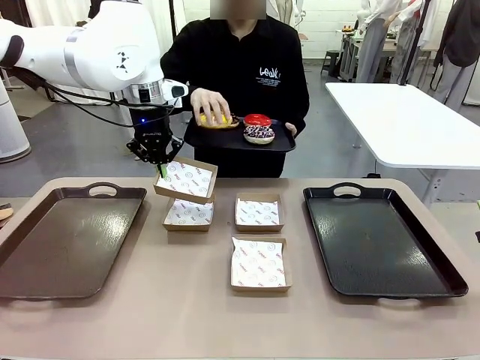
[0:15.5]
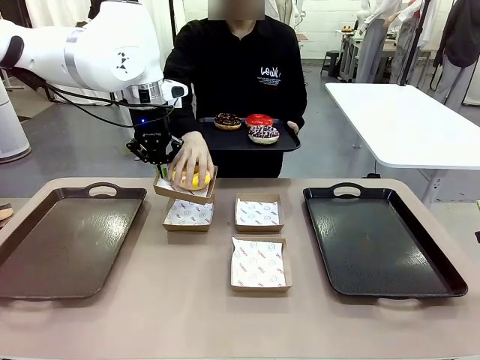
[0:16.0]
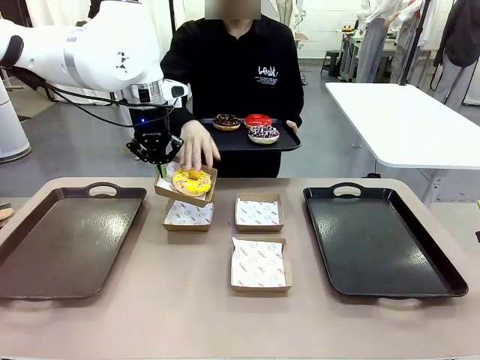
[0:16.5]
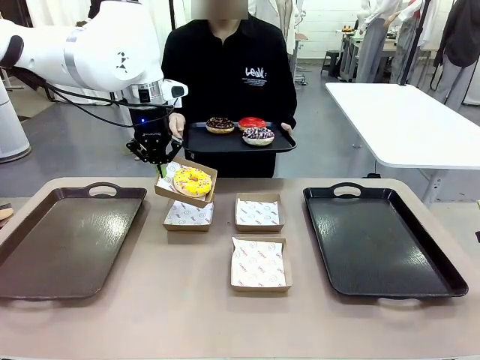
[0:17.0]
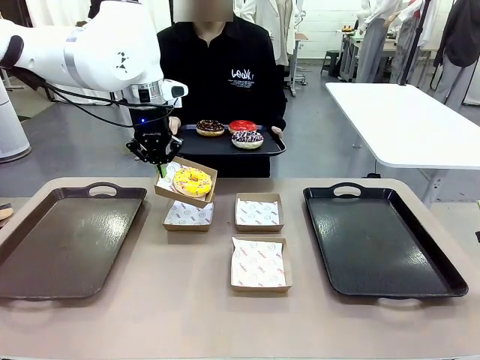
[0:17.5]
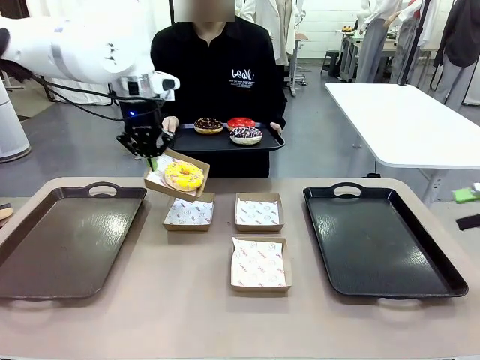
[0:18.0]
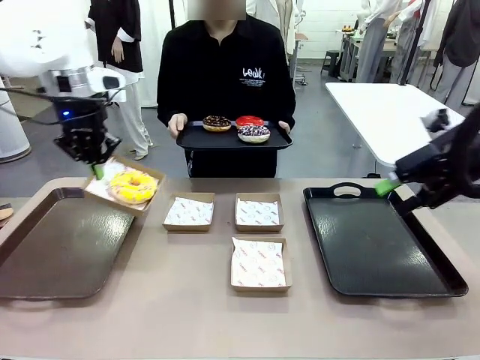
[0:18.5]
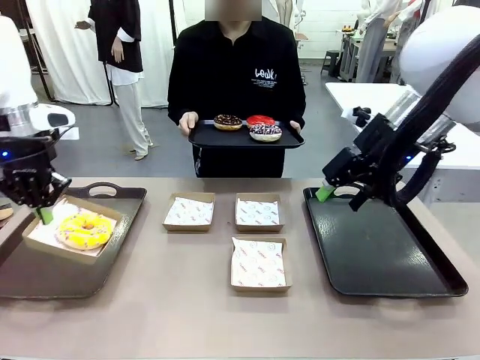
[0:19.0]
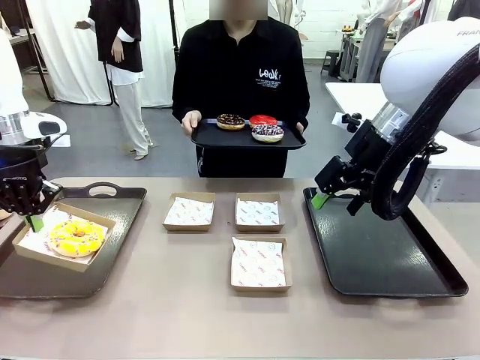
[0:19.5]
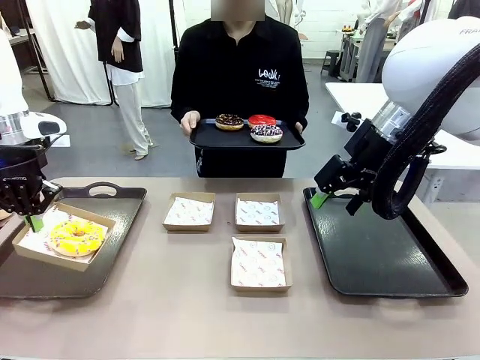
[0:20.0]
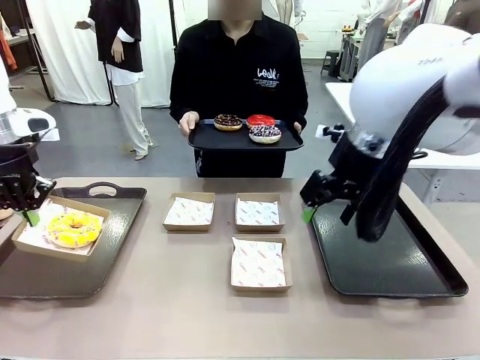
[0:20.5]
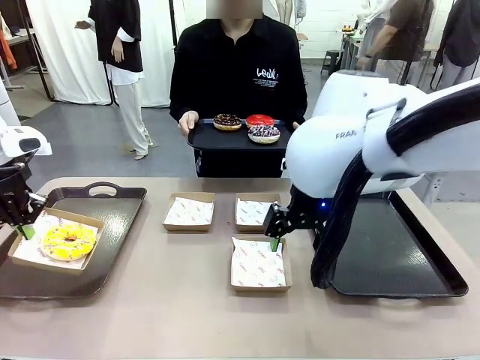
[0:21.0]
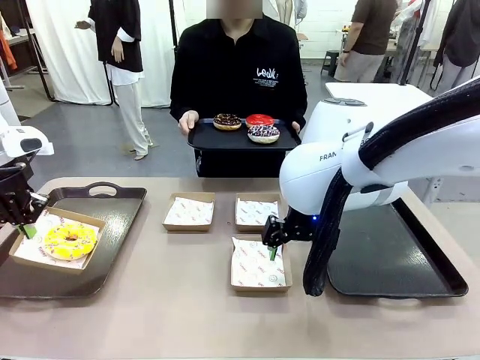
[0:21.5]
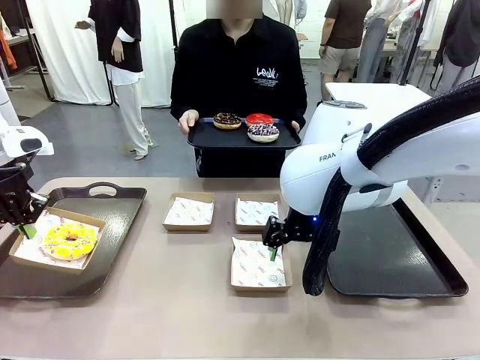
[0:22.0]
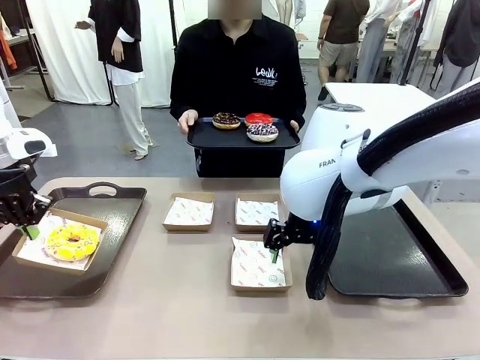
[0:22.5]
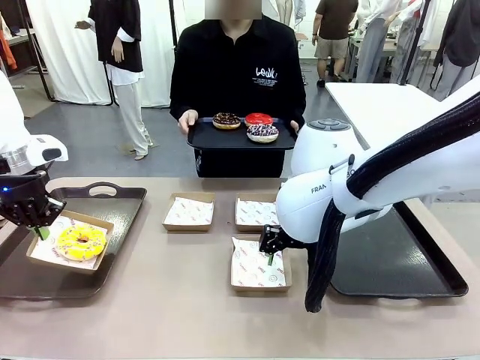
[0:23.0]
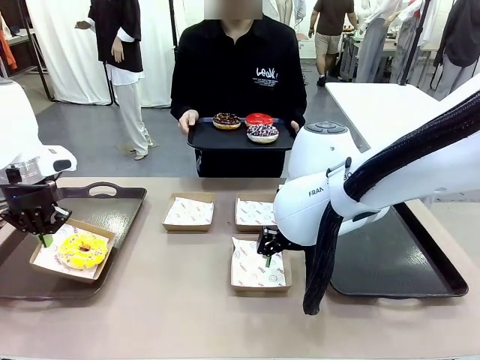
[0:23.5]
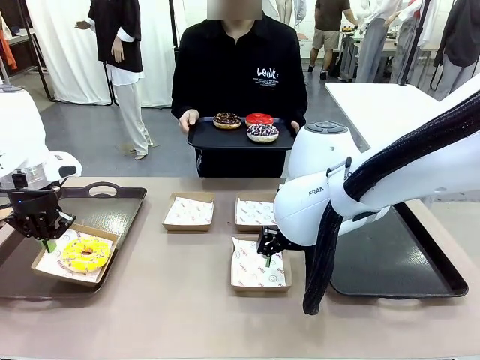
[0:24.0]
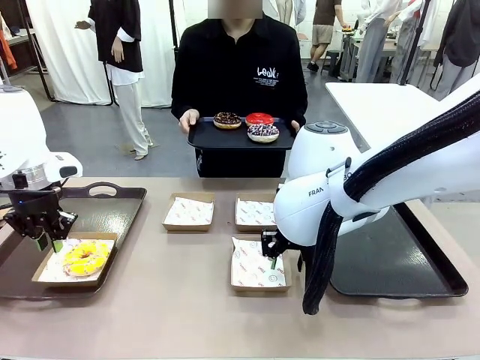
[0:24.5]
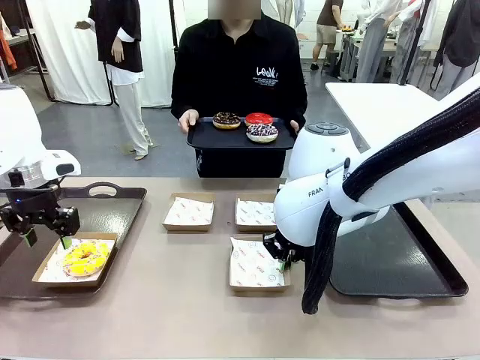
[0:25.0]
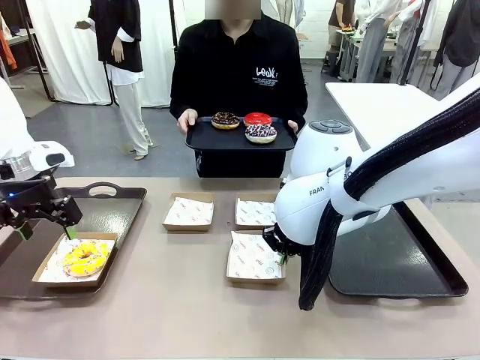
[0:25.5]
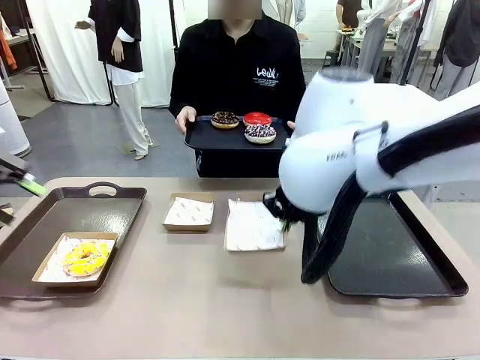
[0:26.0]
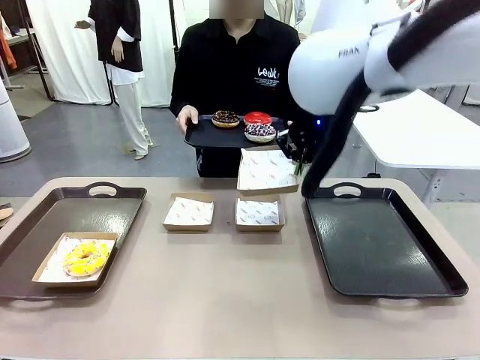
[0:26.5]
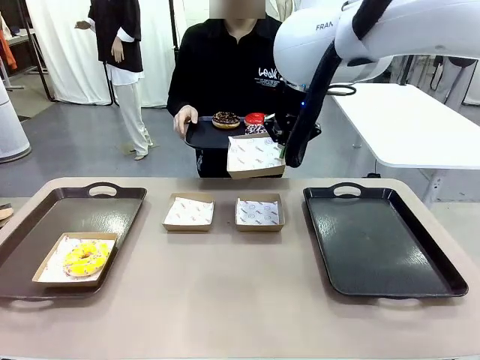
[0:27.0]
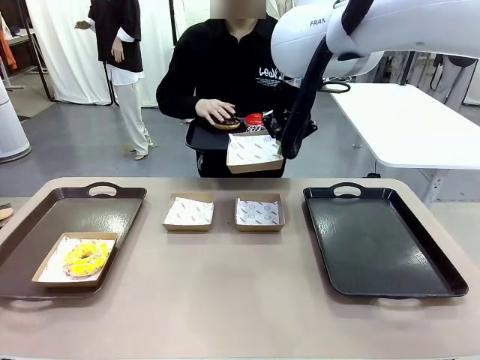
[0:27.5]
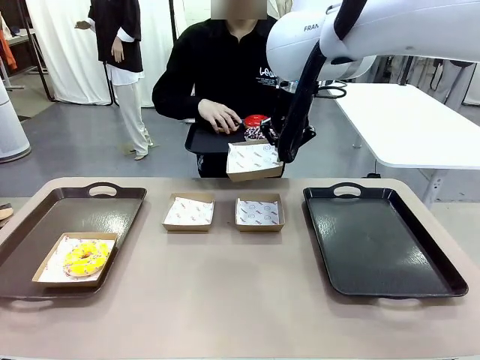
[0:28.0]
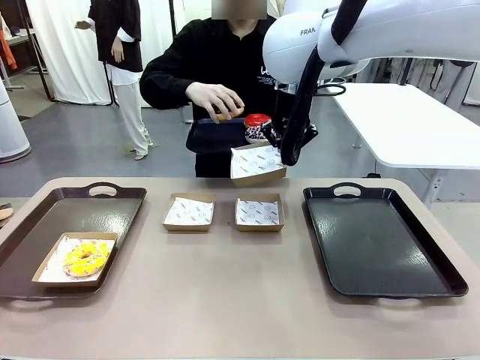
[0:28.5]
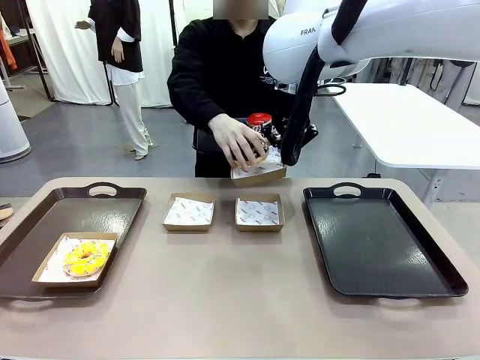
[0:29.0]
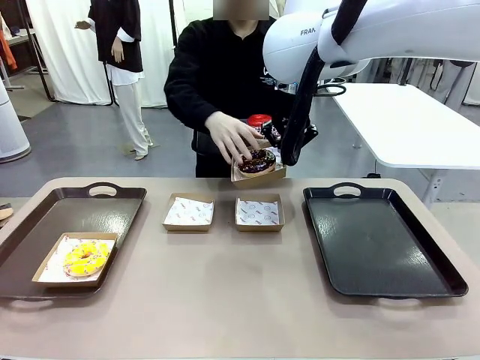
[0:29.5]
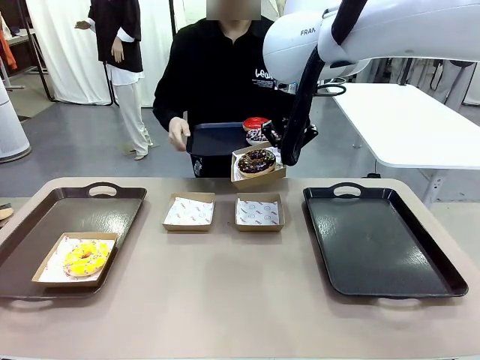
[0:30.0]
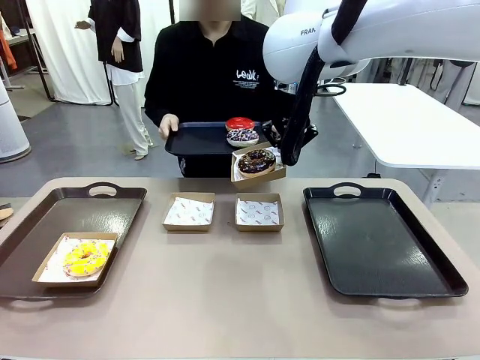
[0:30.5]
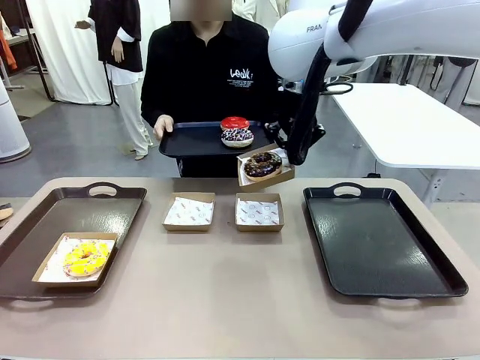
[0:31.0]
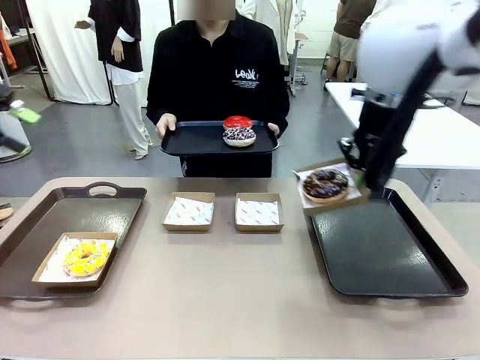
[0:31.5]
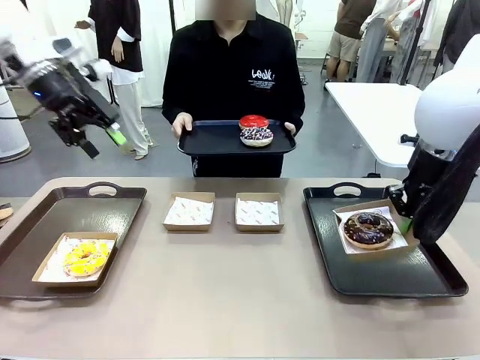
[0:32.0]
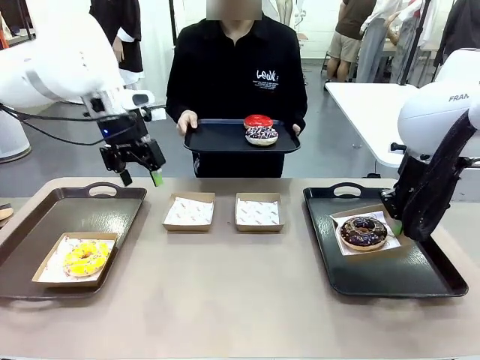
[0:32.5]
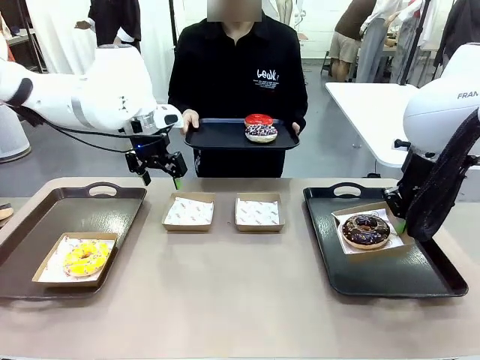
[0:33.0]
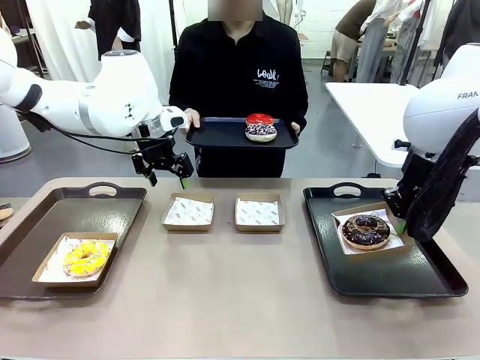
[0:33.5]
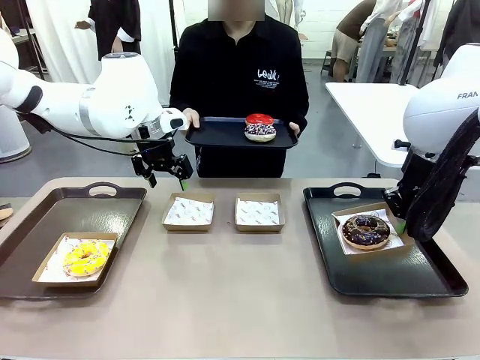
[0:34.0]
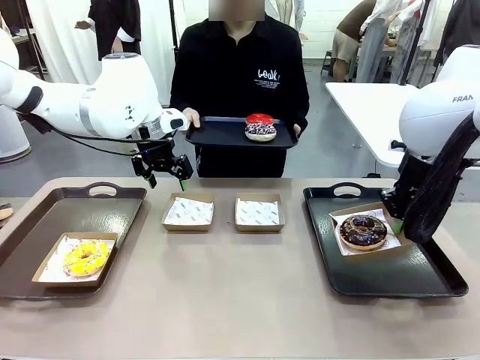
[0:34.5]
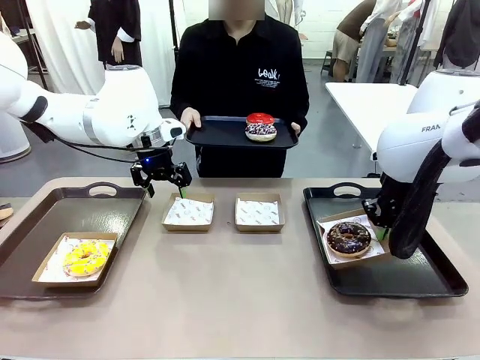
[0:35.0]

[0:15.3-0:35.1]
Task: Individually package the donuts and arrange them on the tray.
Robot: Place the picked Paper togo box on the Handle tray while simultaneously picking up another Paper togo box from the table with the other hand.
